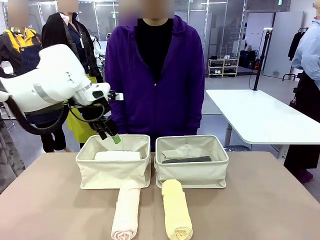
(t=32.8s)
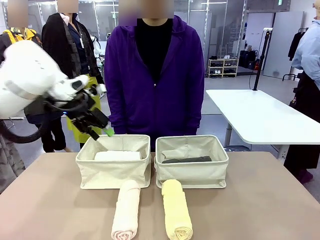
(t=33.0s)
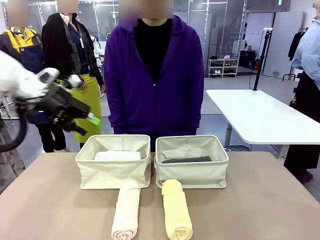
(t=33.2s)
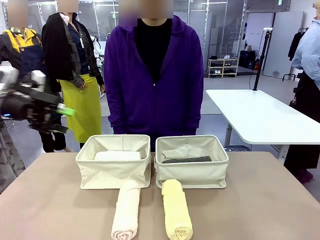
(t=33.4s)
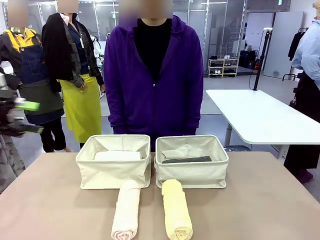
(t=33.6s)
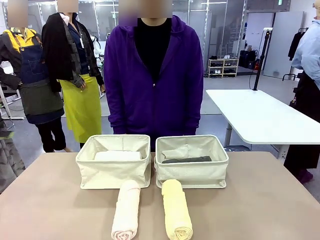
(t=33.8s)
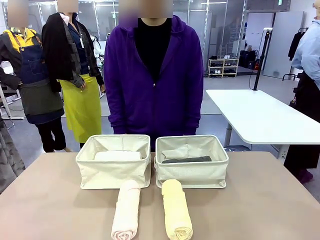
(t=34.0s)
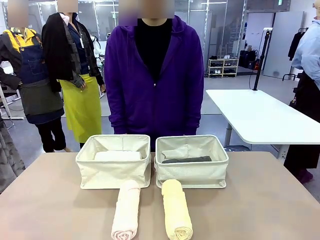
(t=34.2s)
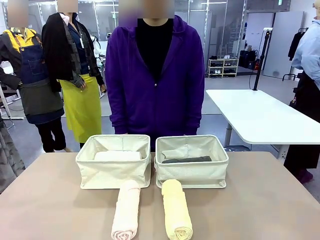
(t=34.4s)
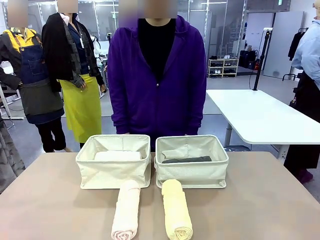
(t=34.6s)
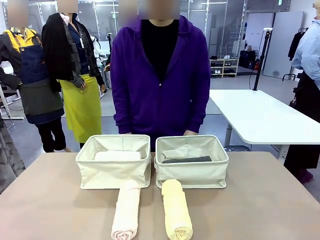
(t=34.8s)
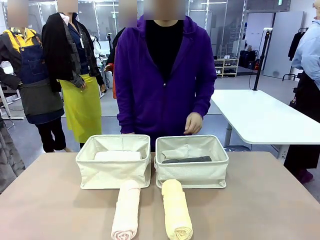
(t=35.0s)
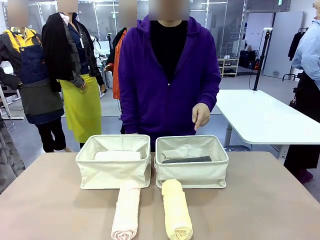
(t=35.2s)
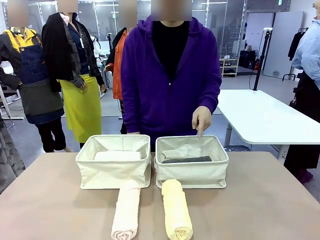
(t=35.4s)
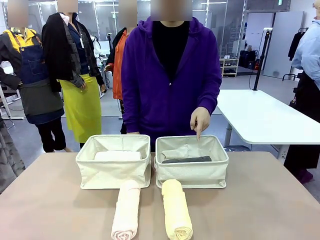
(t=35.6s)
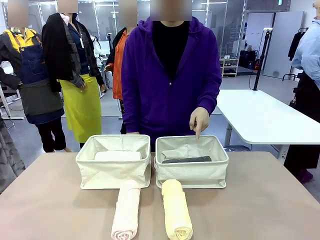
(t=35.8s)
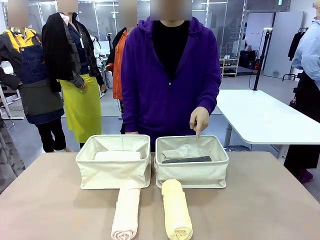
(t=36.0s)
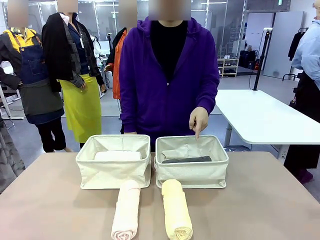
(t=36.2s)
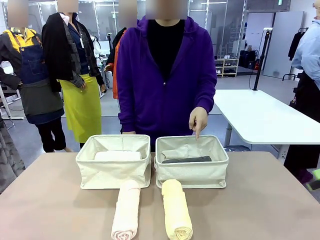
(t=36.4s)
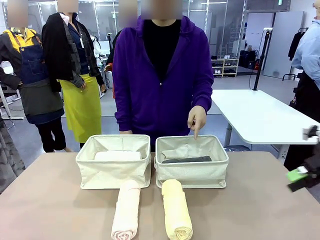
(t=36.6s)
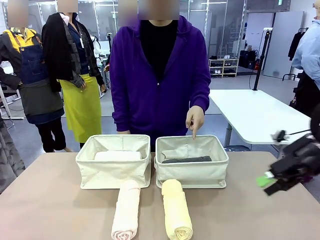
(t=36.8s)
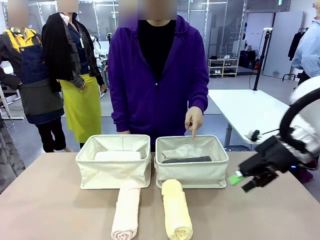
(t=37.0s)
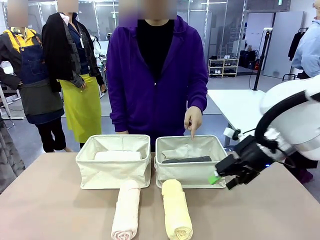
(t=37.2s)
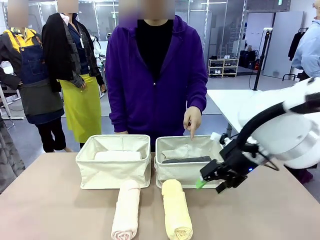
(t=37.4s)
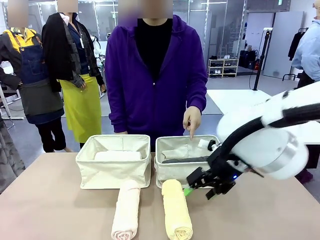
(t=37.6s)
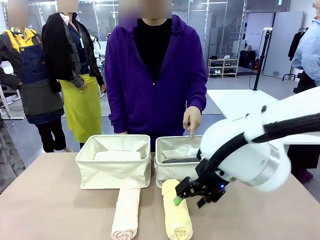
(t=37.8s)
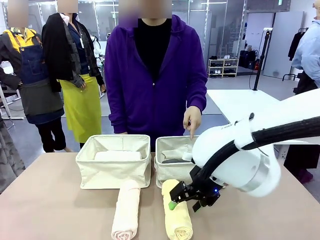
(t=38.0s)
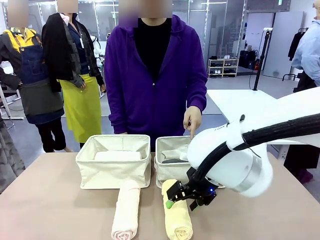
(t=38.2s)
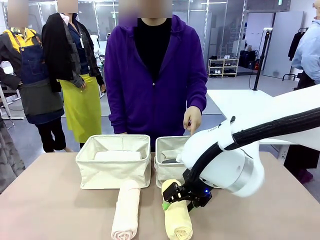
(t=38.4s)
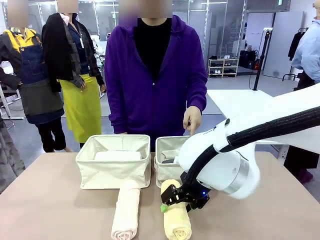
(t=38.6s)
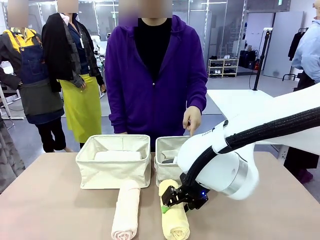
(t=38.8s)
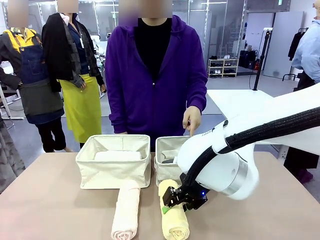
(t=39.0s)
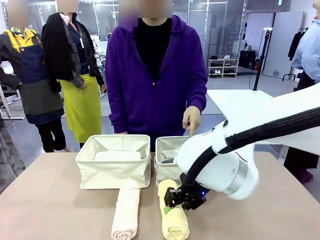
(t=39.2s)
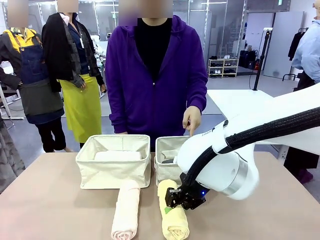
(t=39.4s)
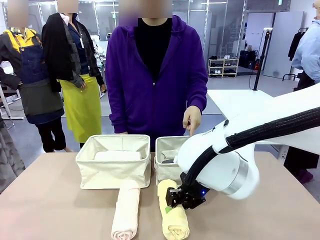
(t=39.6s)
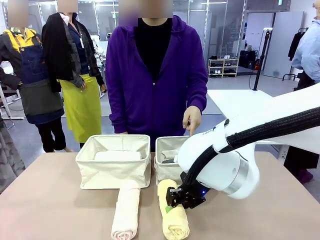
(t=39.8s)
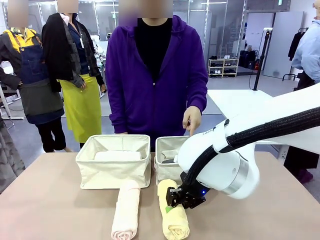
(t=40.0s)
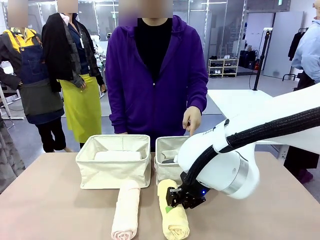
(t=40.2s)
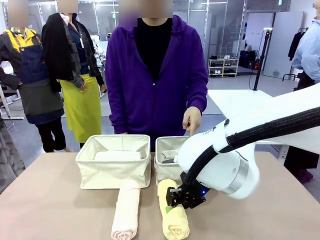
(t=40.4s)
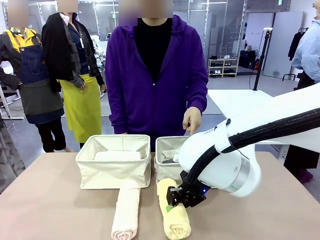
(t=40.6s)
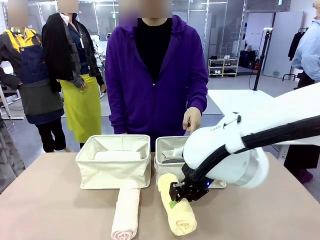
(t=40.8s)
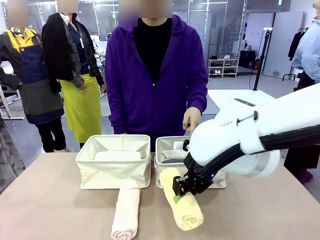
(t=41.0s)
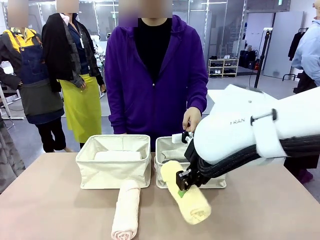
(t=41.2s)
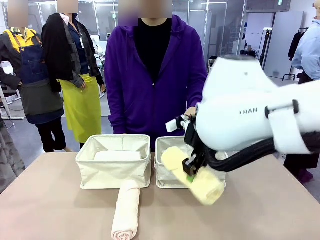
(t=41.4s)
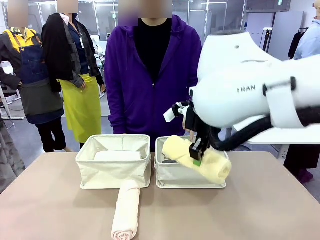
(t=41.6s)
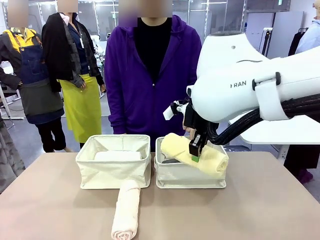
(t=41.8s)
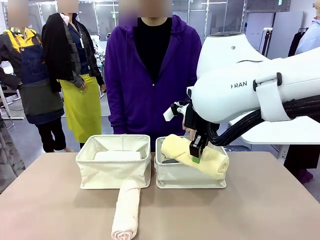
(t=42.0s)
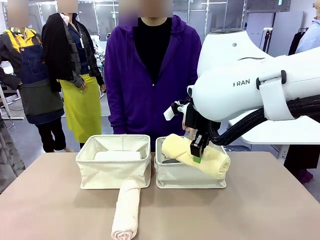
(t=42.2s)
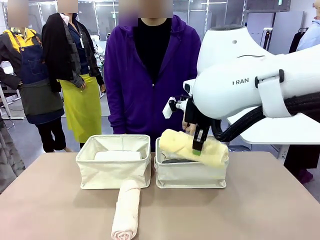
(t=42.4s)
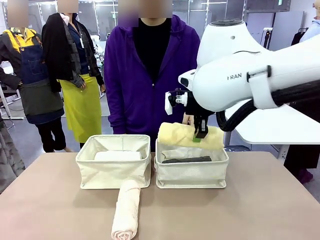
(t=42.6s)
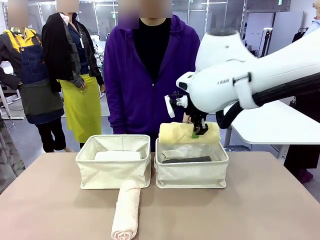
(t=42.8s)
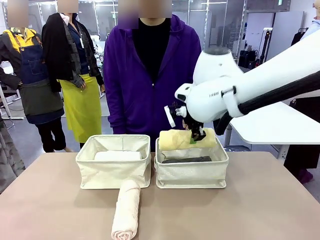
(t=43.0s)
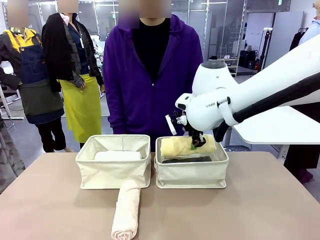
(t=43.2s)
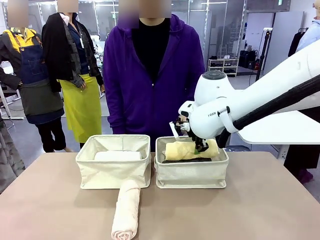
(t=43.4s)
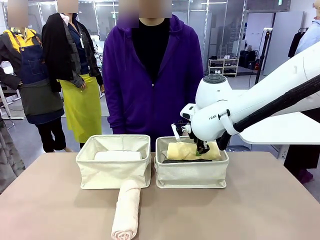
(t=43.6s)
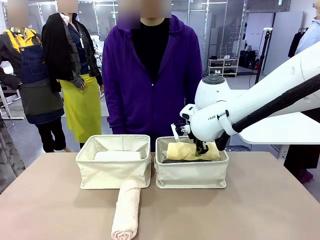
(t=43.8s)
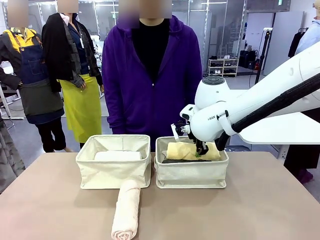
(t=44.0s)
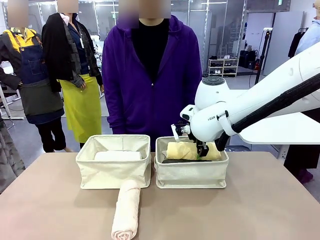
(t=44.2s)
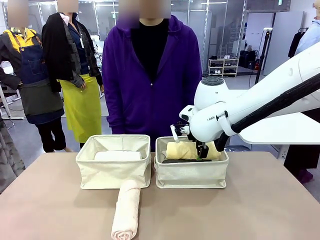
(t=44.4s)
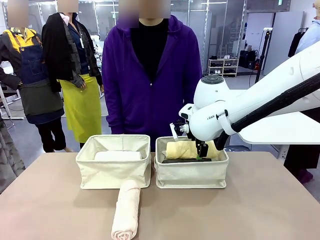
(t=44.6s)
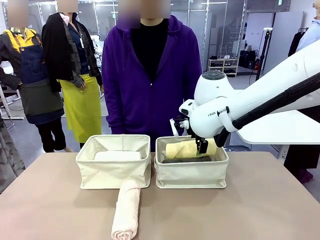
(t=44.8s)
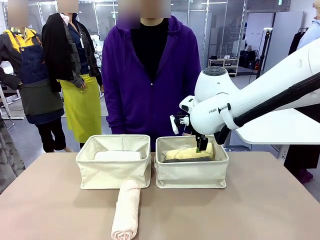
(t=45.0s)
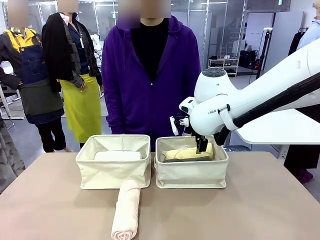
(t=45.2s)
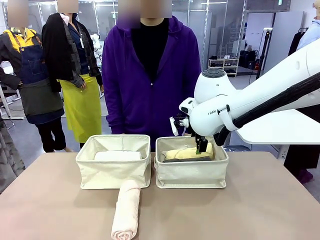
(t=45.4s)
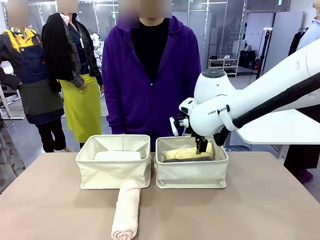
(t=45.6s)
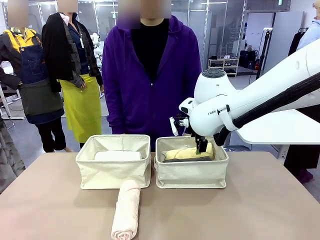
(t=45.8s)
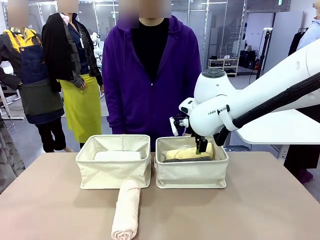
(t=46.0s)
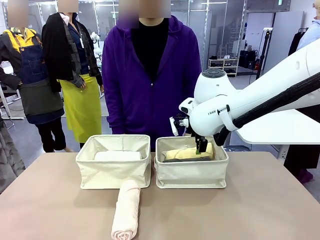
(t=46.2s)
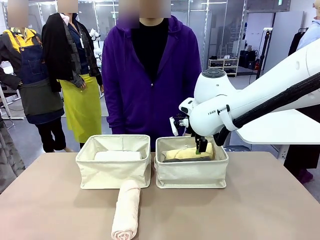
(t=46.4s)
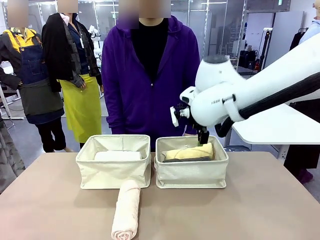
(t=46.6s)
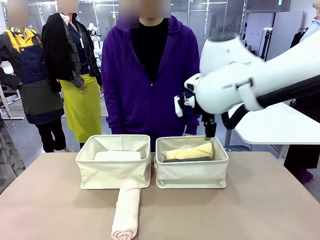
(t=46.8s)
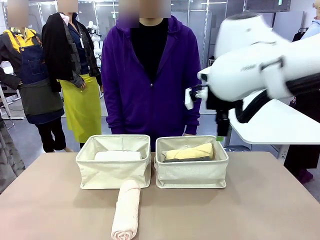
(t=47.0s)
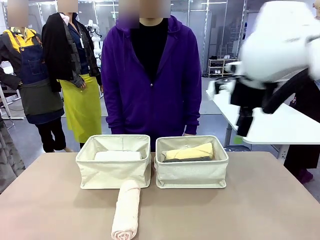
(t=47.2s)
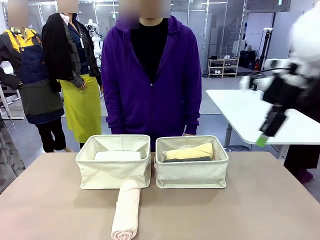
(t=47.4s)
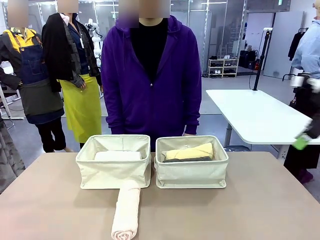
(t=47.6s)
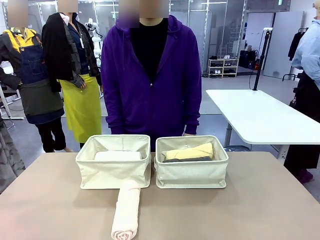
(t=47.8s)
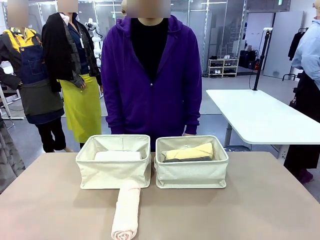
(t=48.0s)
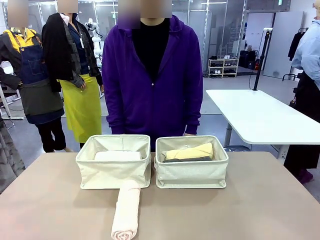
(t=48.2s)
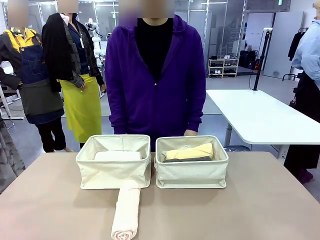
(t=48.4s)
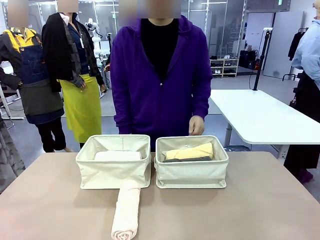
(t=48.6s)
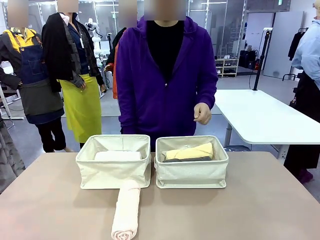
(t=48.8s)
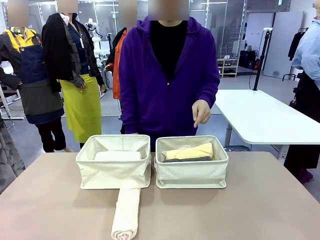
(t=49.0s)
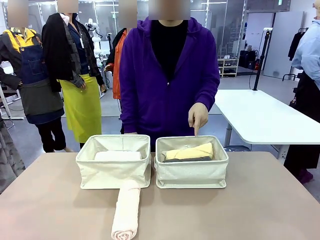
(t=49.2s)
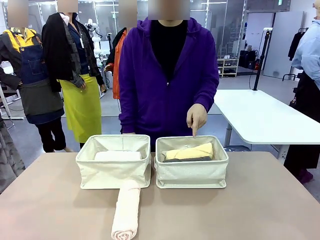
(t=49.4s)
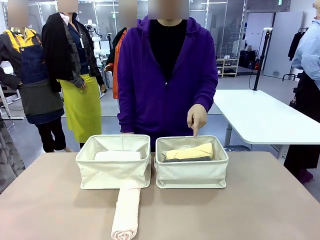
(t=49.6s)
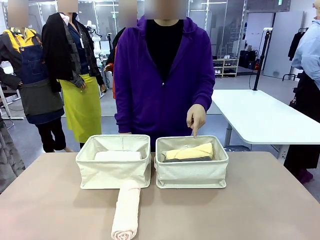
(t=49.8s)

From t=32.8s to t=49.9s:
Task: Divide the towels into two baskets.
Robot: Pick up one hotel-folded towel from the bottom of the table and place it in the Fabric basket indicated by the person.

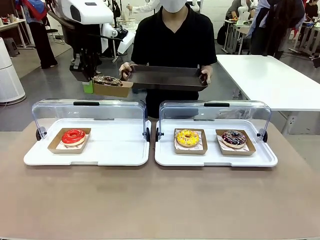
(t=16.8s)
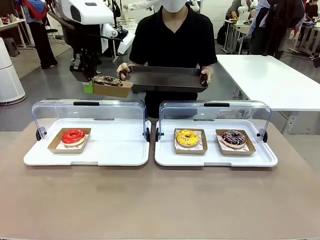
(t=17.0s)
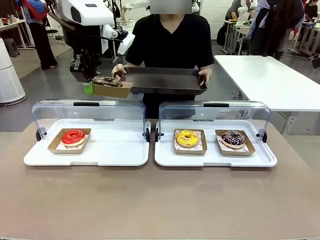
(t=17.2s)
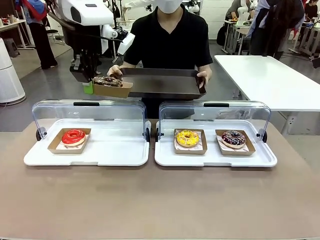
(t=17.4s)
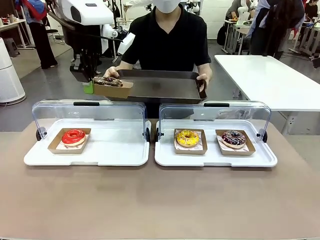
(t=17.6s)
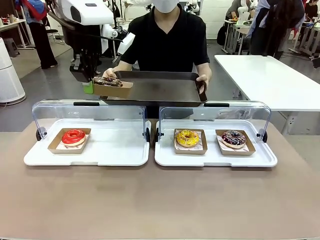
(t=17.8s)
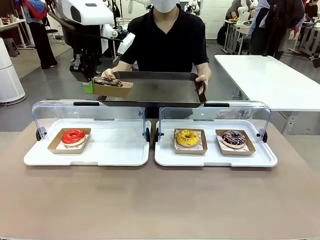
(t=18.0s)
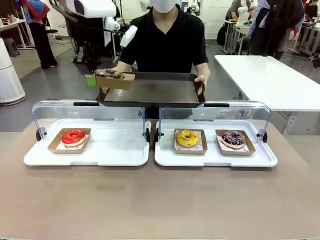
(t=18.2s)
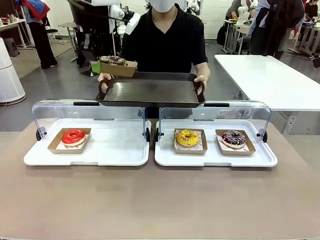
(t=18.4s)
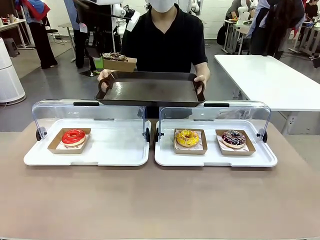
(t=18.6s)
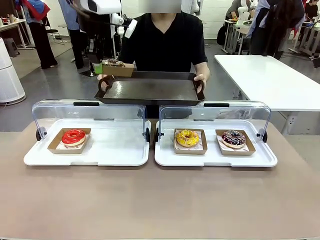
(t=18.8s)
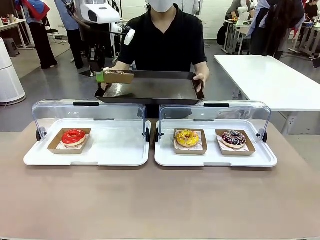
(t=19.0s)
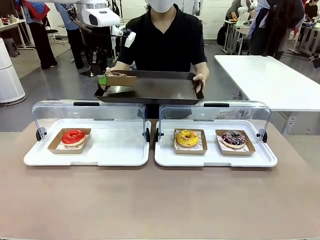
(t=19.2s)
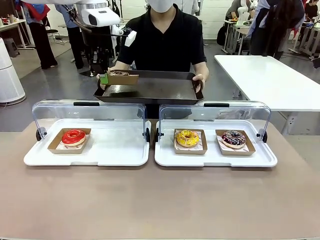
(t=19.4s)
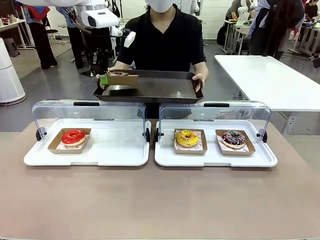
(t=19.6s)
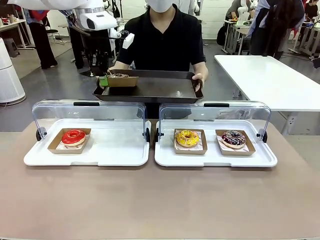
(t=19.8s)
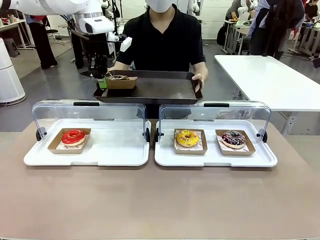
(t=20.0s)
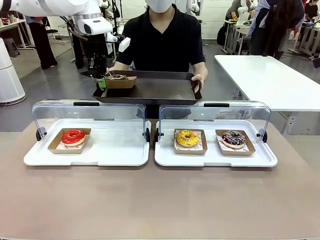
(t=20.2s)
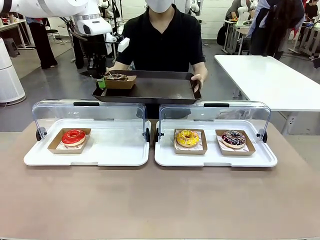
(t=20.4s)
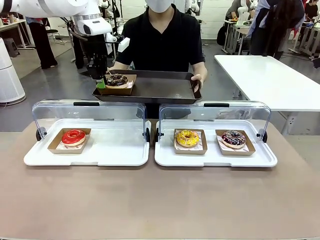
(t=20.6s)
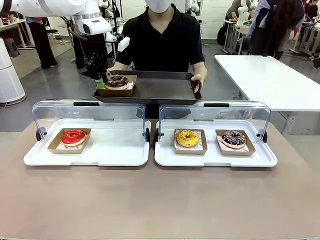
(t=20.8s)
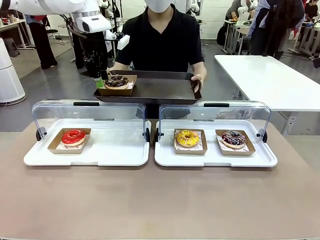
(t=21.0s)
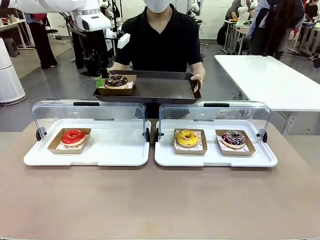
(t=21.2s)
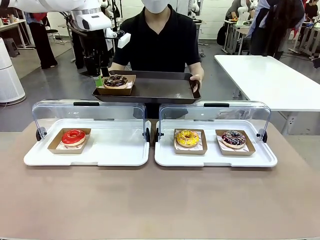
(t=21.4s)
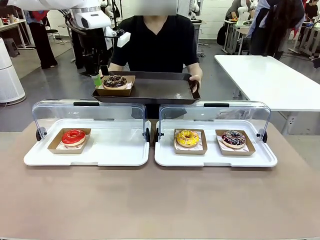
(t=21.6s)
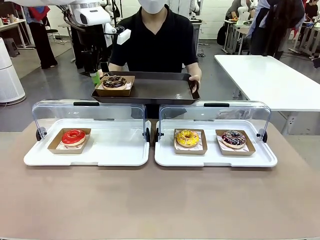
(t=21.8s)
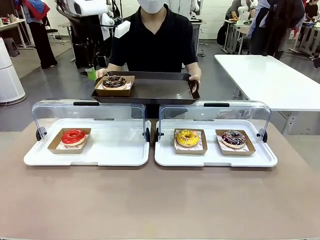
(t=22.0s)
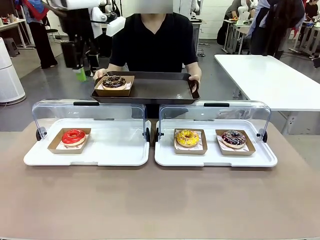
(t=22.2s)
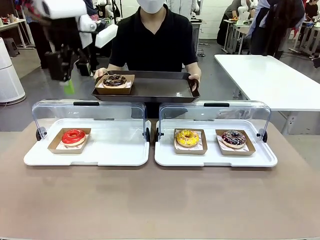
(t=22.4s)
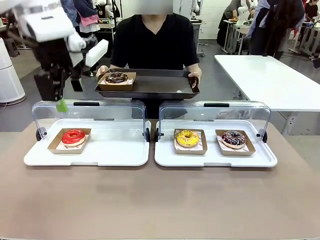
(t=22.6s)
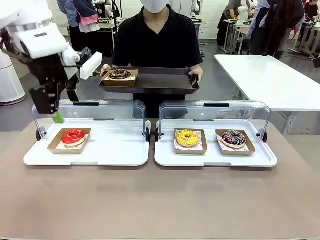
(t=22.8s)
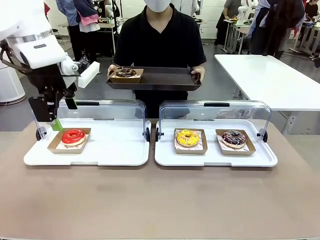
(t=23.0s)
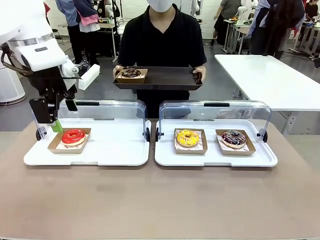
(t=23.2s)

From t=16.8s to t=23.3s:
Task: Provide the desired donut to the person.
Robot: Place the picked Paper togo box onto the Handle tray extended by the person.
